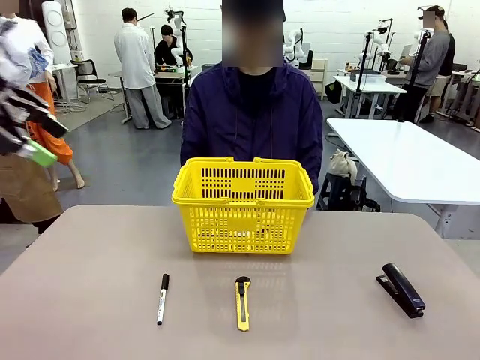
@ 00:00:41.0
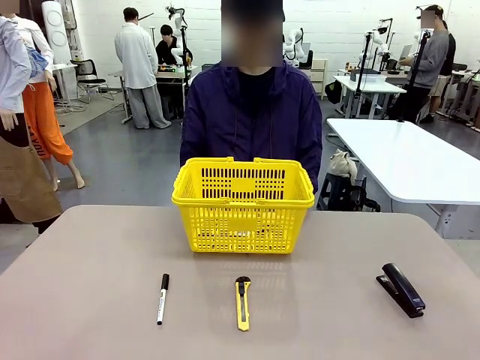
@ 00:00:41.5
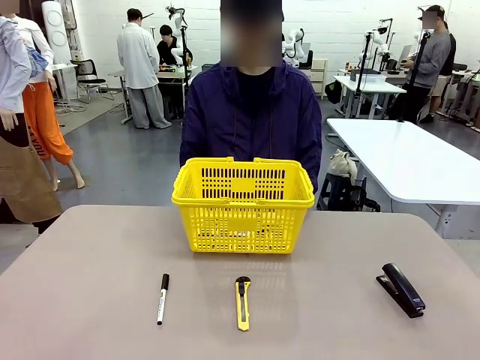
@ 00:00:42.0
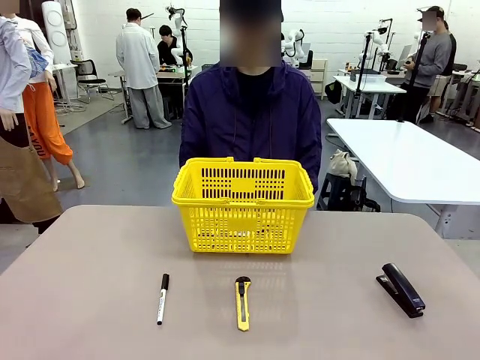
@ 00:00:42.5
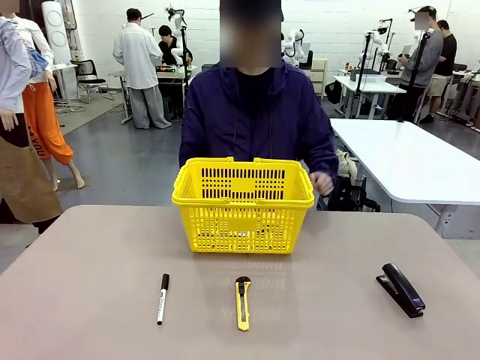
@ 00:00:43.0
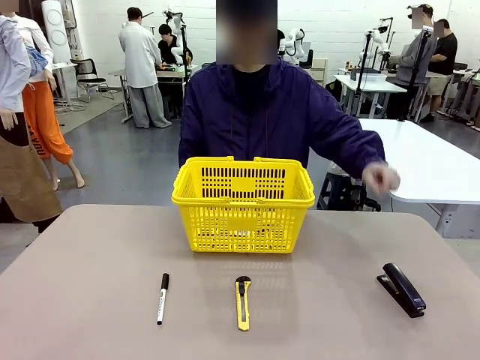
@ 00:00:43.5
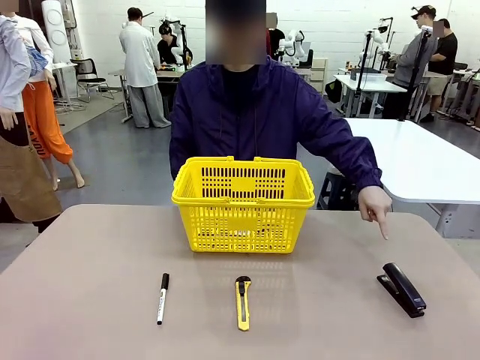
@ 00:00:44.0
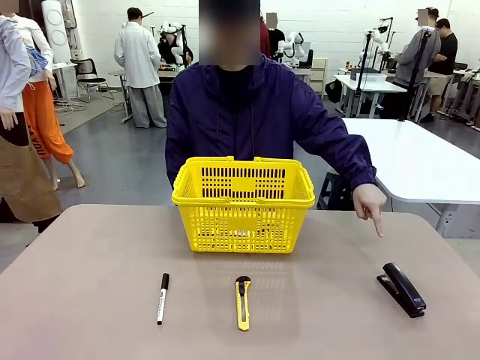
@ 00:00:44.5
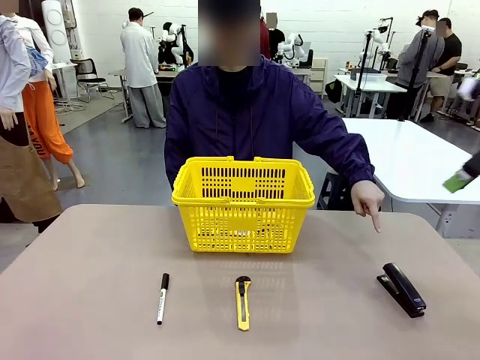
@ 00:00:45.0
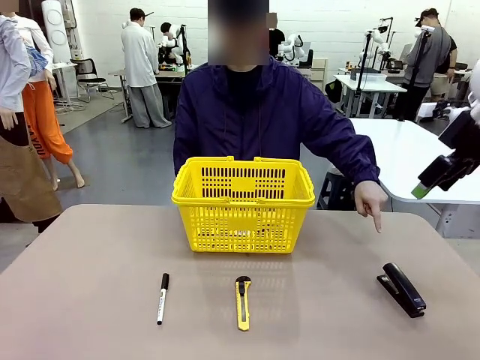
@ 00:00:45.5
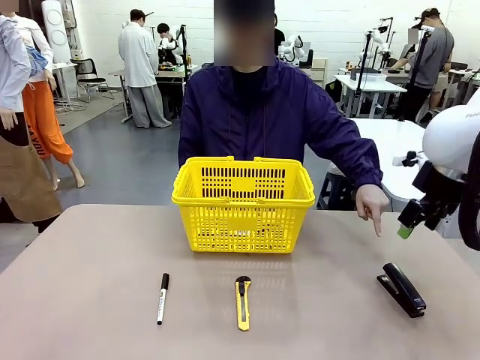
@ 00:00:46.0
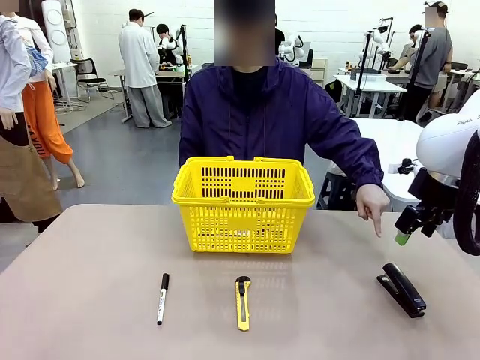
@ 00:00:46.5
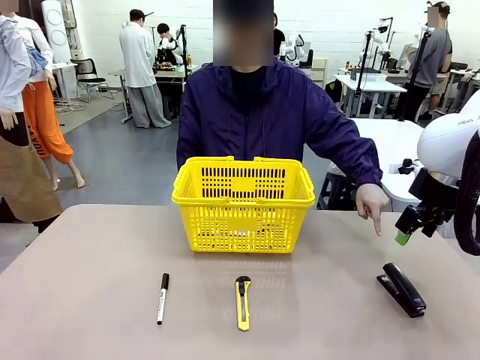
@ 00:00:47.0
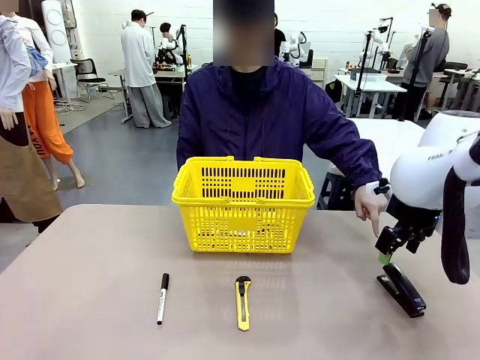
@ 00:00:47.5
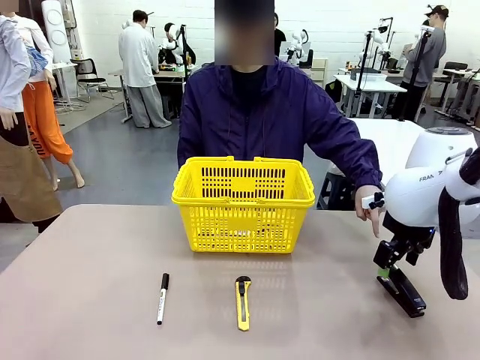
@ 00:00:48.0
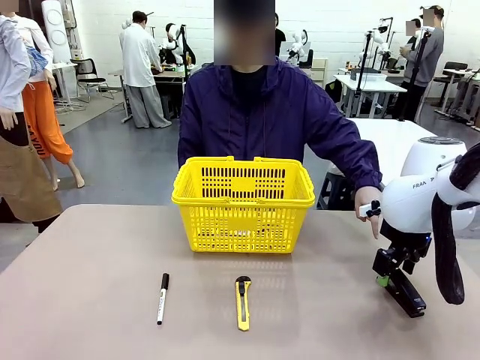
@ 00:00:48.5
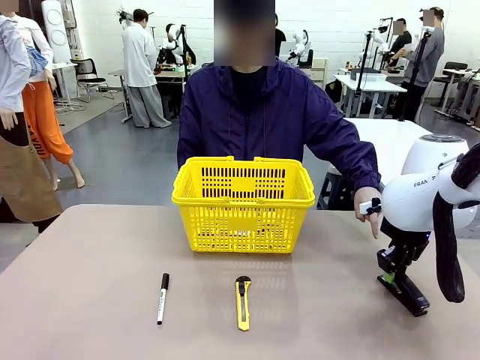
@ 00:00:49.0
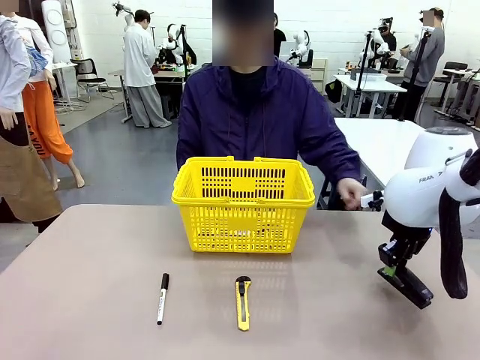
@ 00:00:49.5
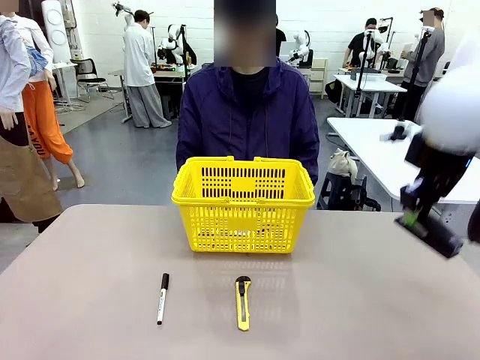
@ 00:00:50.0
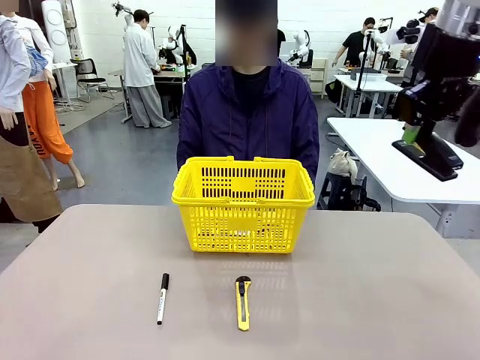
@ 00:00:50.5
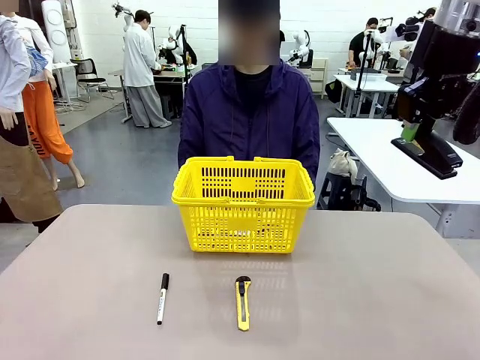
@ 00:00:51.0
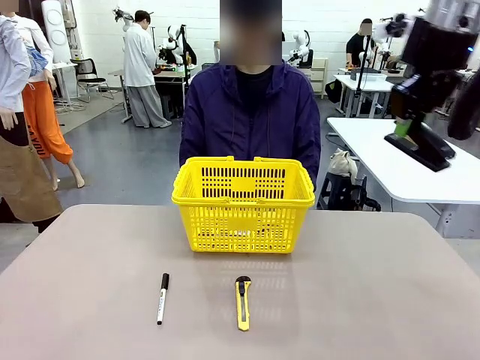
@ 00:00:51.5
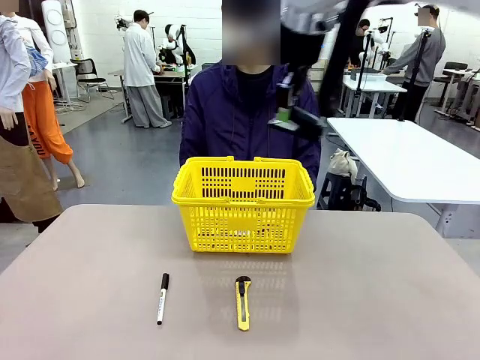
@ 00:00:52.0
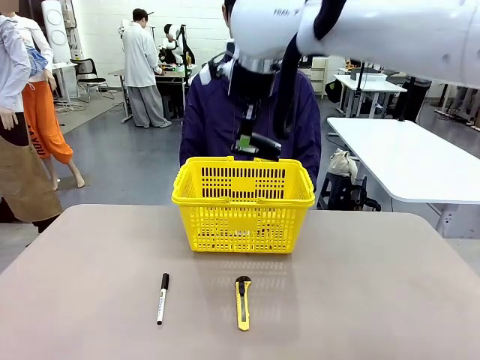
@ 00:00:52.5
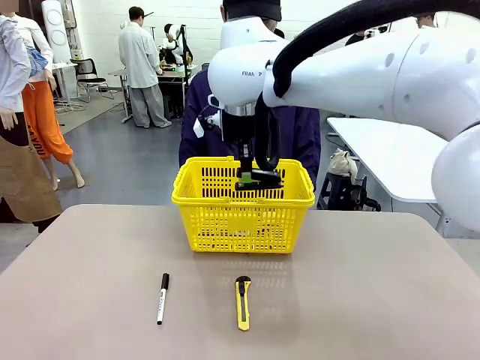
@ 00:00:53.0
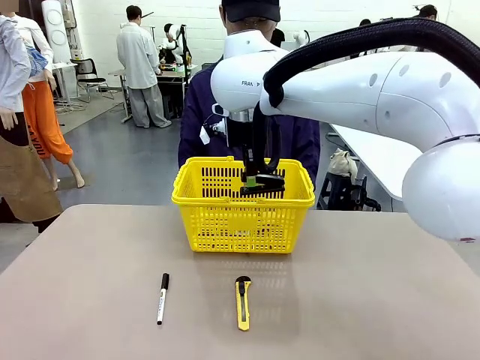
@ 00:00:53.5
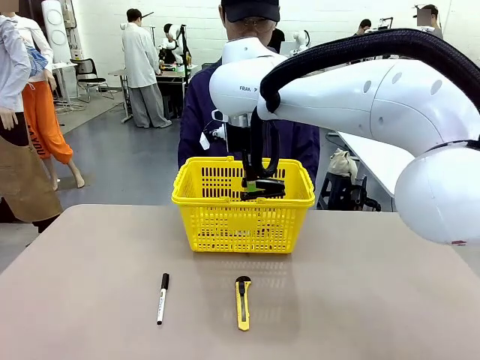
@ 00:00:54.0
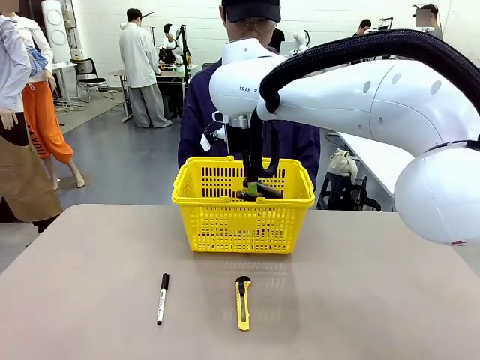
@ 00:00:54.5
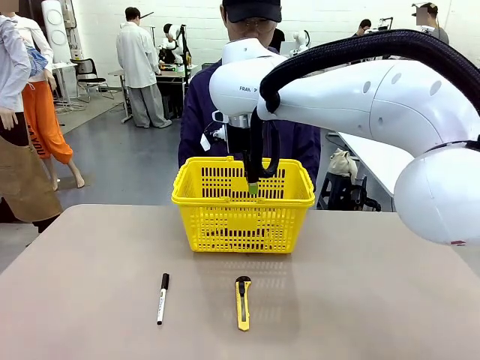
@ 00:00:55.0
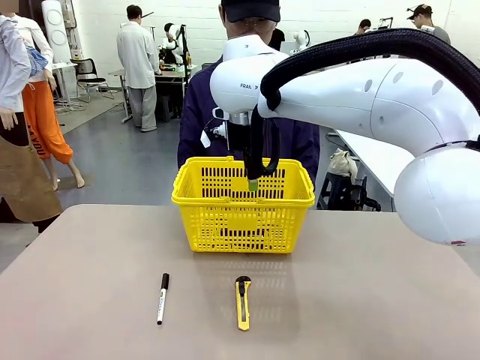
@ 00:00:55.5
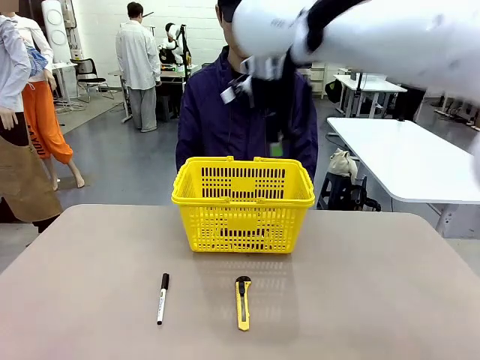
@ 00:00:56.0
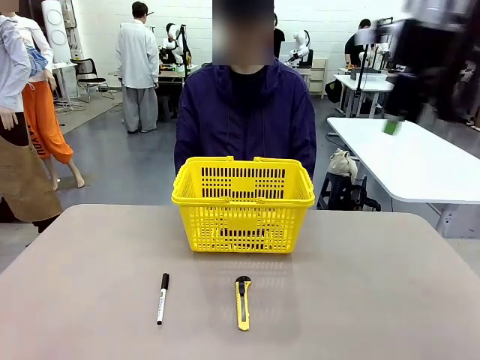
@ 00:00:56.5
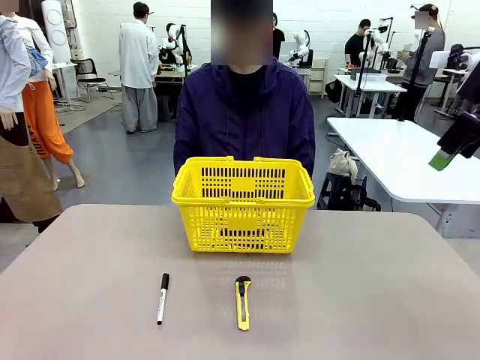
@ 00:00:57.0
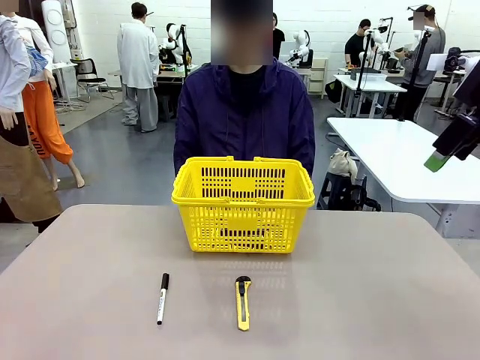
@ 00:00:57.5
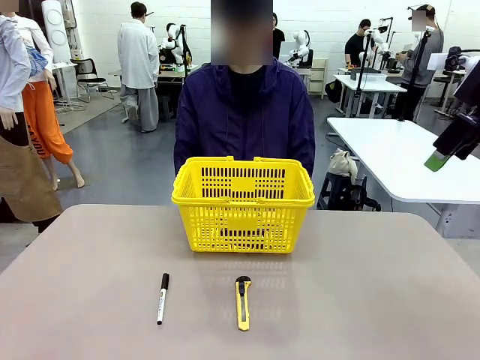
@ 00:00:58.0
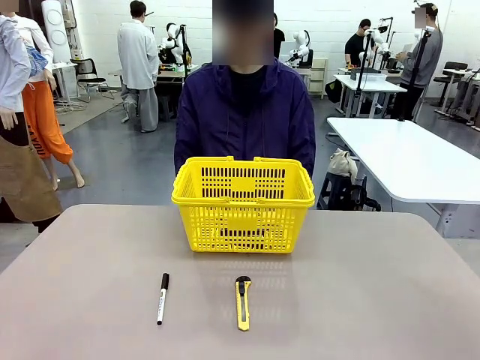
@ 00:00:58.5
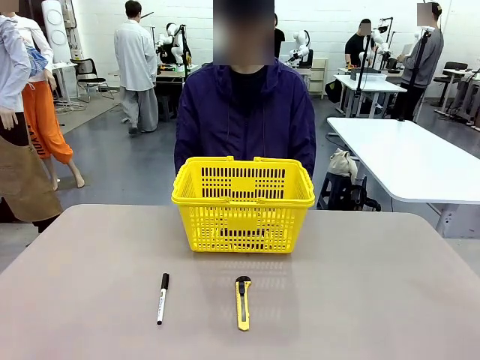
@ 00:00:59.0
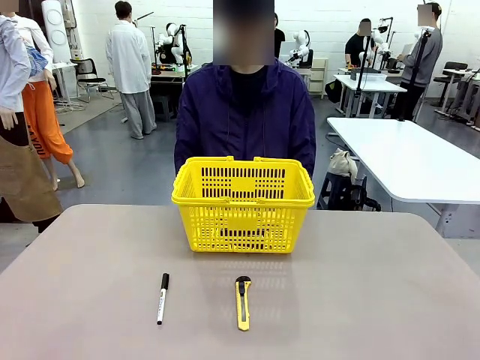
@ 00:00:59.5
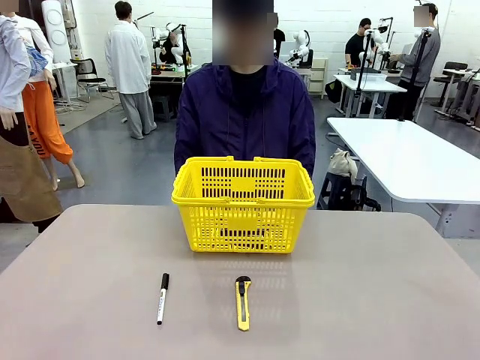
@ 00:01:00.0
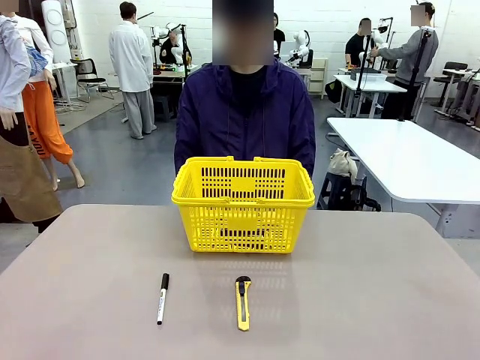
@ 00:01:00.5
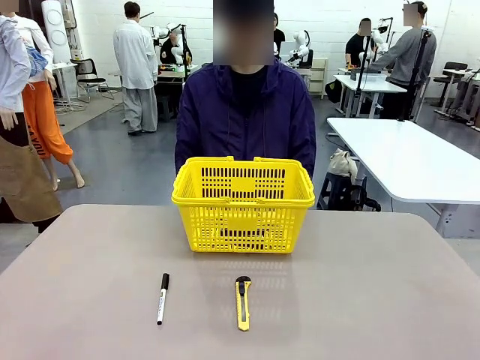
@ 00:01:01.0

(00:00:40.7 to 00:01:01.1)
Task: Place the items the person wants into the basket.
Robot: Pick up the item the person points to and place it in the Market Basket.
